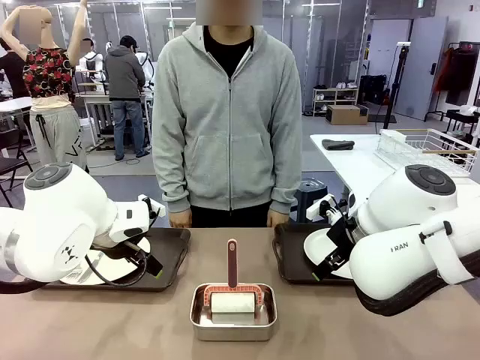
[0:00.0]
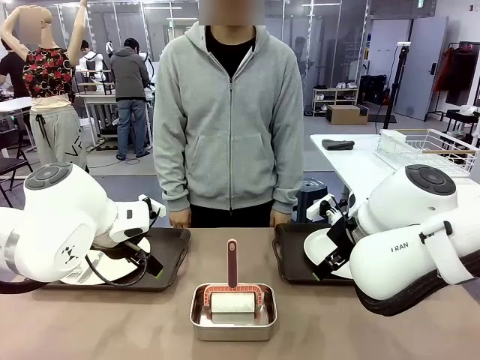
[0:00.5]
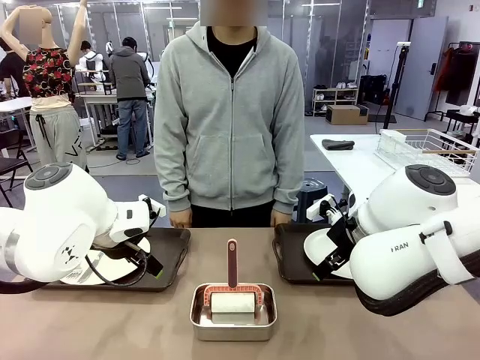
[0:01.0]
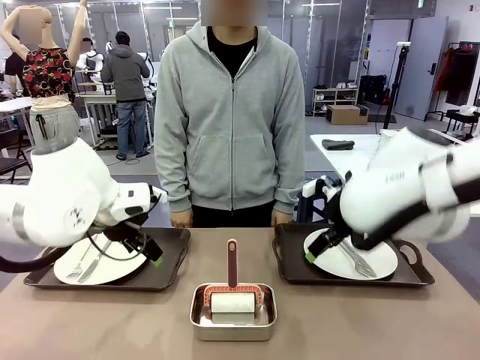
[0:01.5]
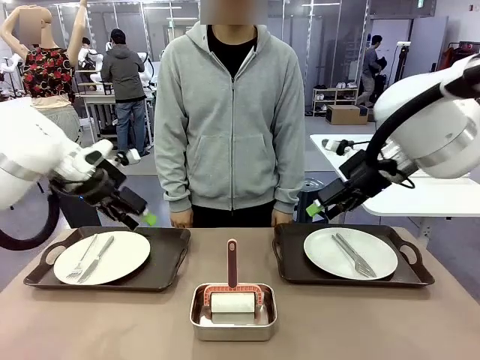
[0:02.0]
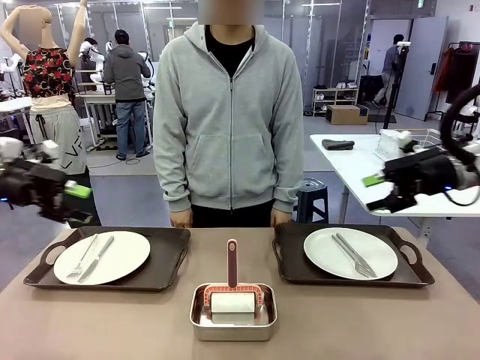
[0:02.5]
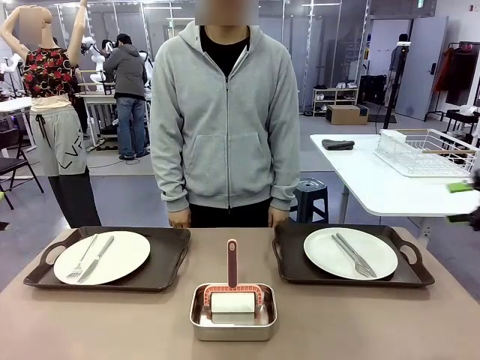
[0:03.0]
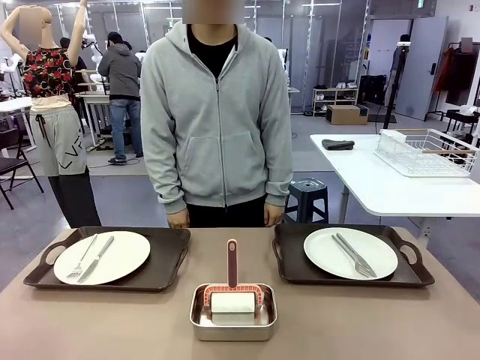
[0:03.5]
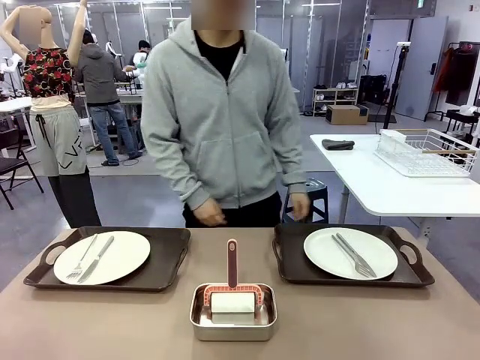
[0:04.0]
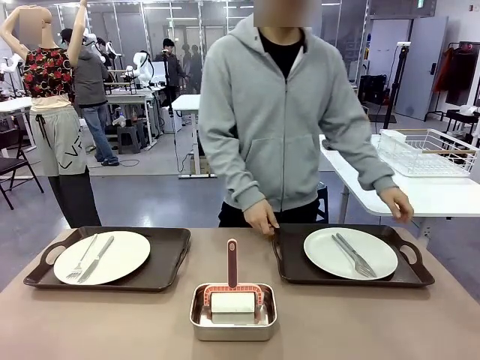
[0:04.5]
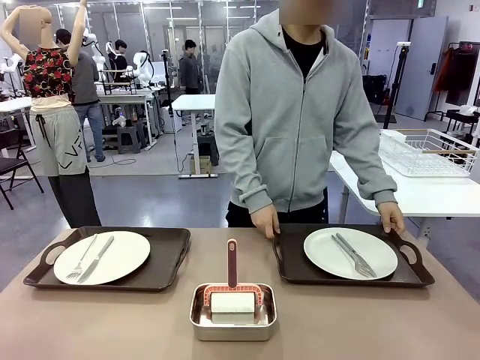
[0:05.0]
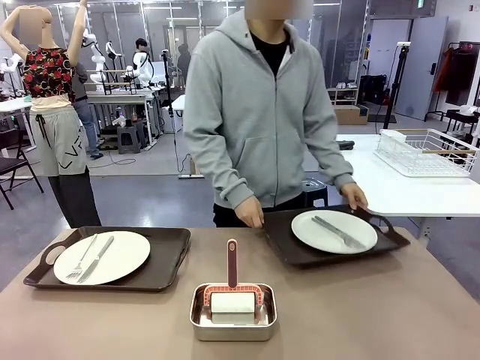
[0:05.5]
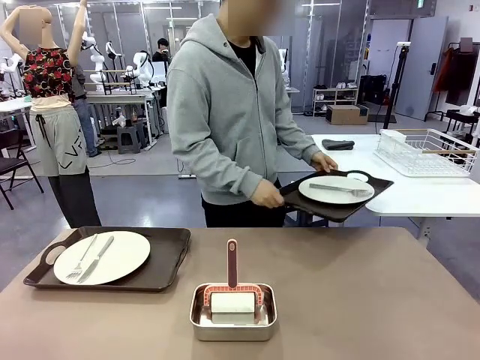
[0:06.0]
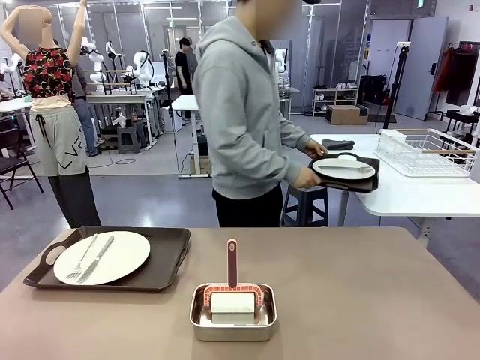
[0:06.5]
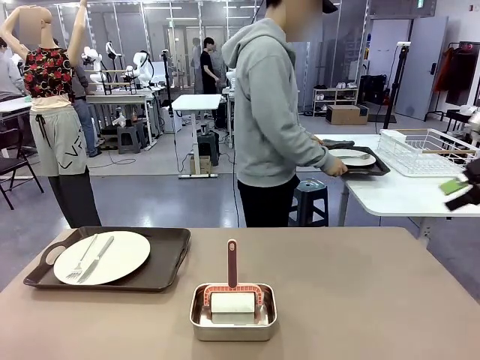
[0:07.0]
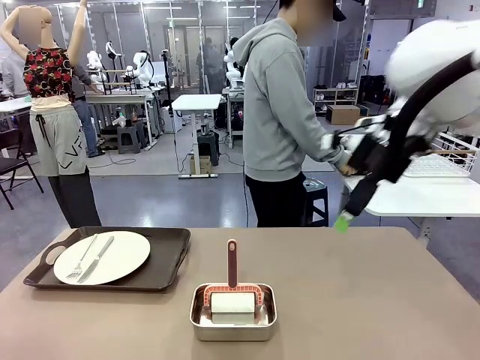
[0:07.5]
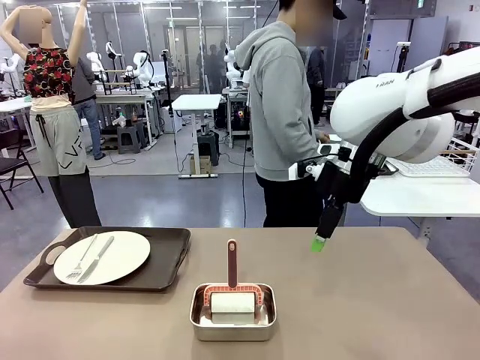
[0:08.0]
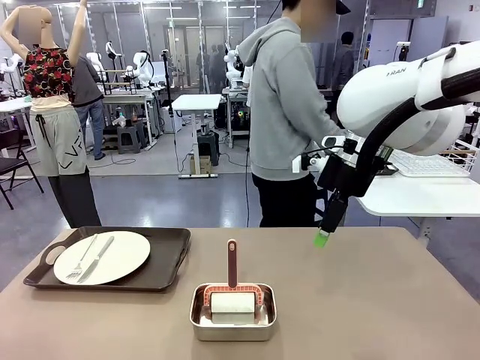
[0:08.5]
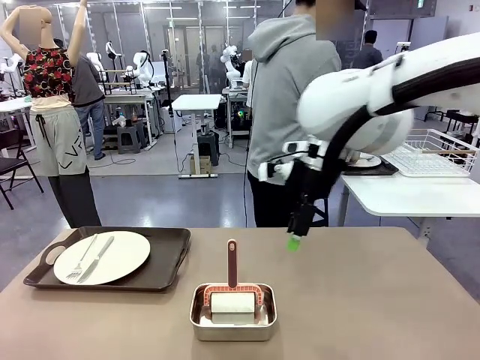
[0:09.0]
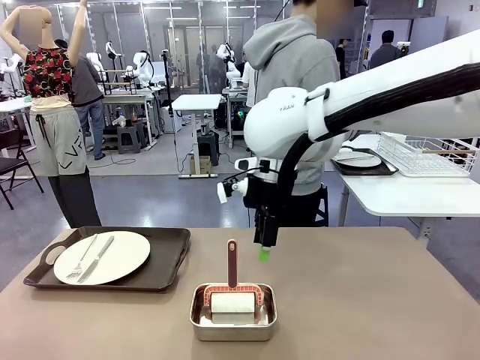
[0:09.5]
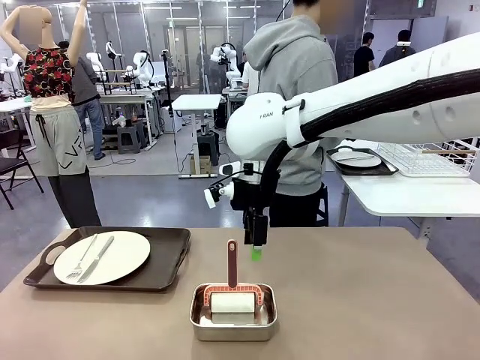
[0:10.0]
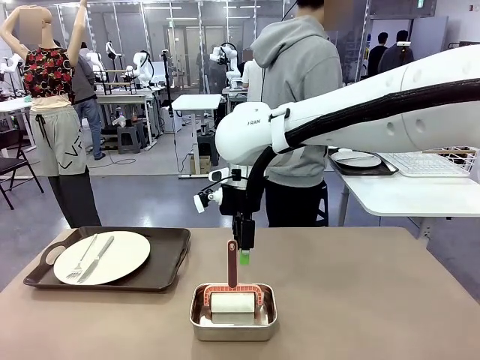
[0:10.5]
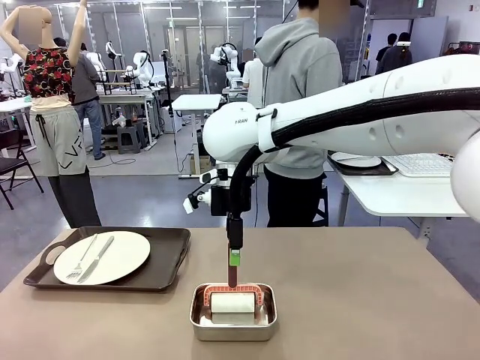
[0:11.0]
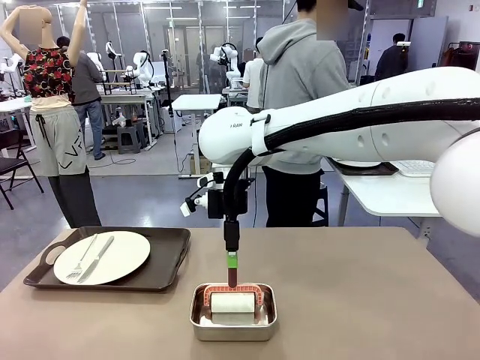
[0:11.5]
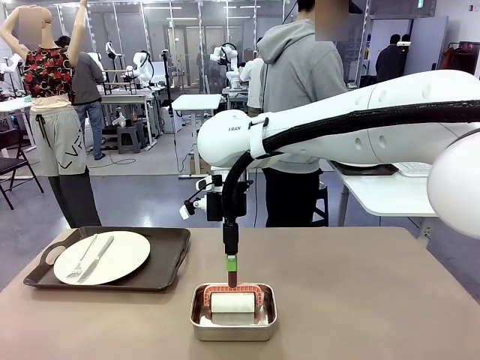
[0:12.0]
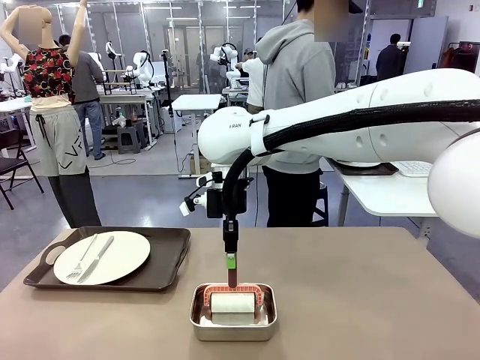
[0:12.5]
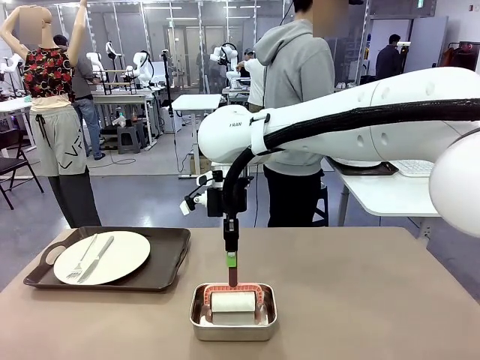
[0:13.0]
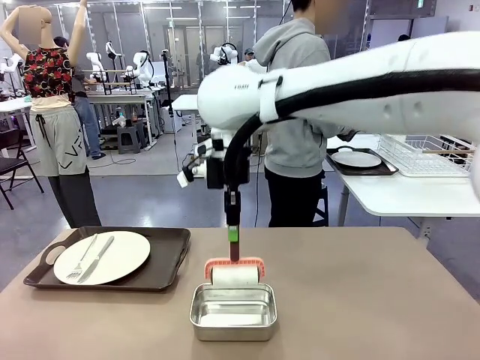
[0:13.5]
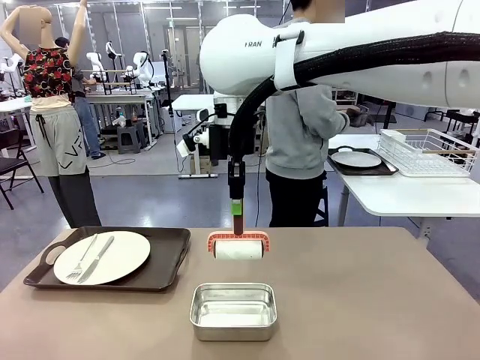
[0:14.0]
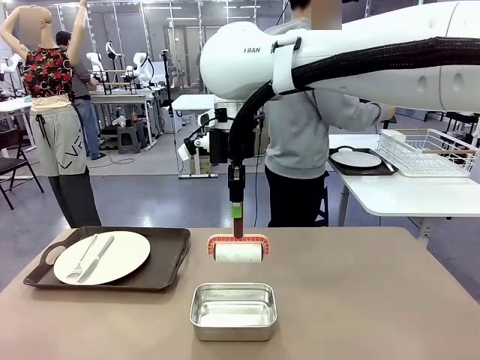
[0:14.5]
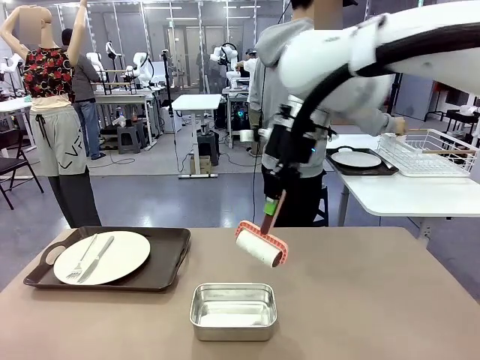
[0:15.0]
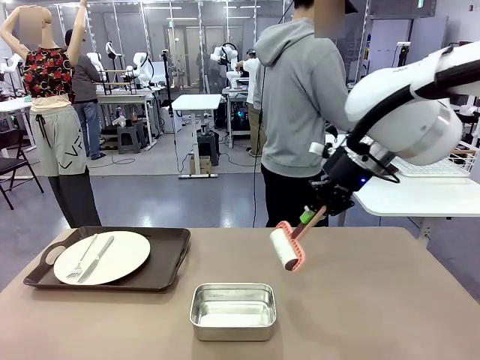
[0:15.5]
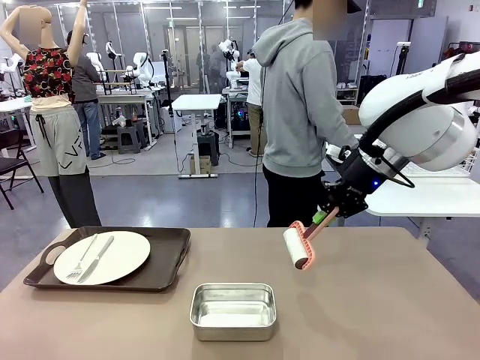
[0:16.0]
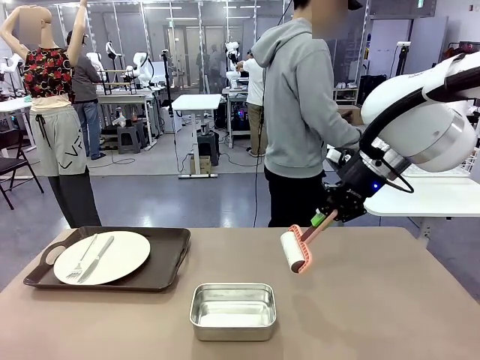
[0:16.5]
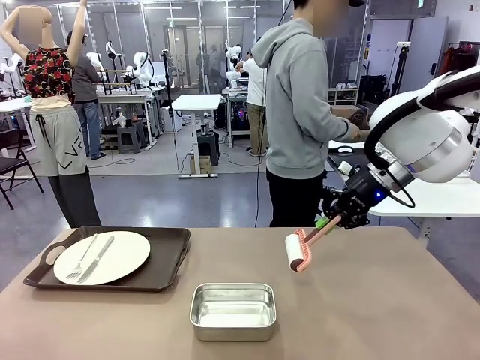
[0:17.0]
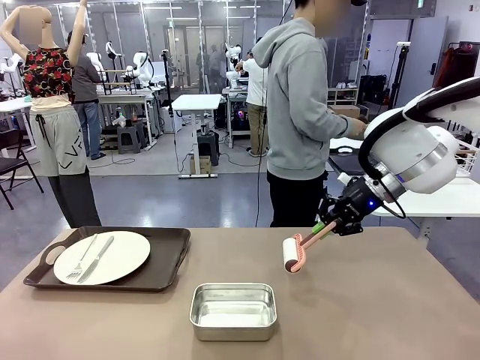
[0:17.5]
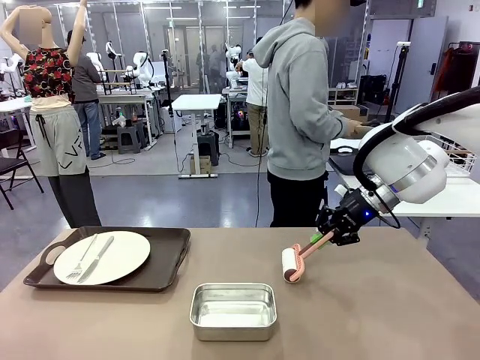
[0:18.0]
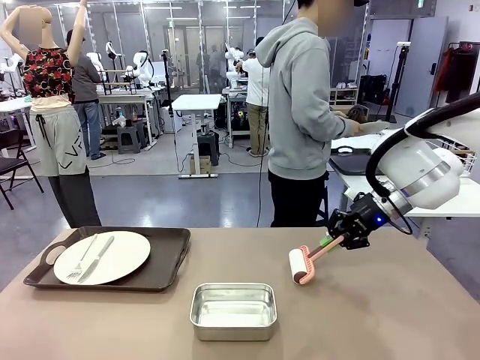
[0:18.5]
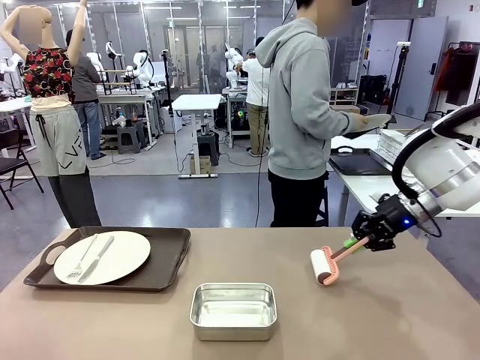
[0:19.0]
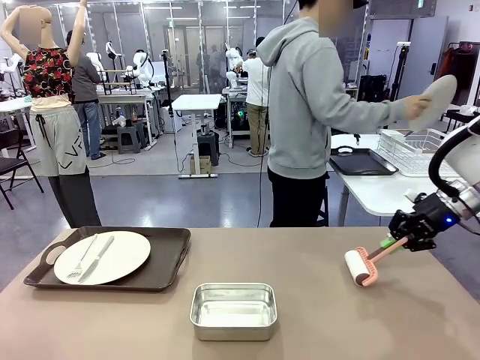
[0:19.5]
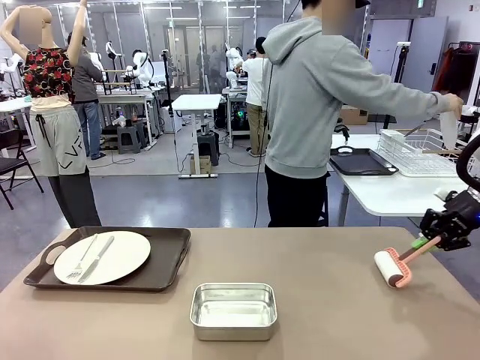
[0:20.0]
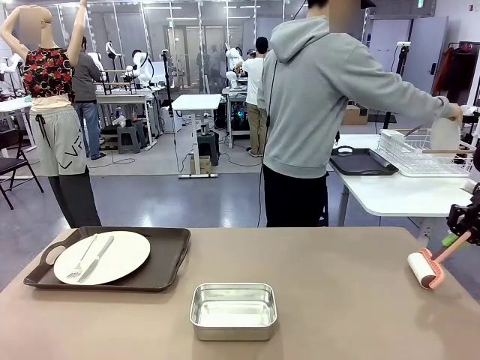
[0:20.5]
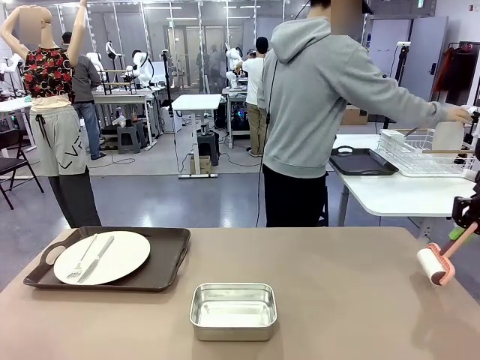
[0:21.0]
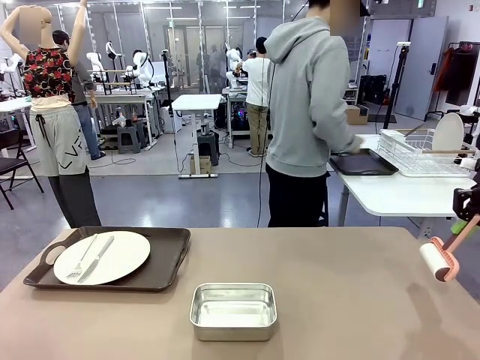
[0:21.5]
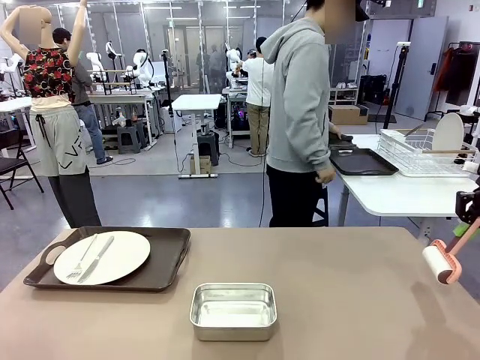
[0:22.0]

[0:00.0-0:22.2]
Robot: When the left (or right) Handle tray is removed, use the left hand (or right hand) to clean the left (or right) side of the table with the Lint Roller.
Person: Pick up the left (or right) Handle tray and place it on the middle of the Human's table. Use the Towel with hook to wipe the Plastic Matte Plate , Fork , and Knife and place into the Dish drying rack.

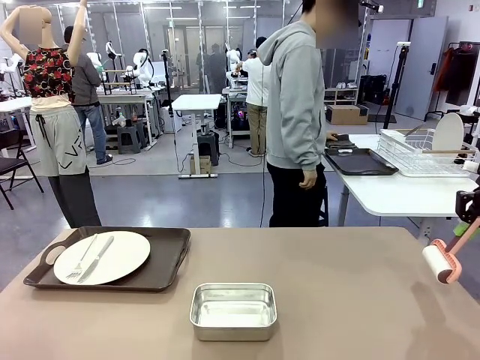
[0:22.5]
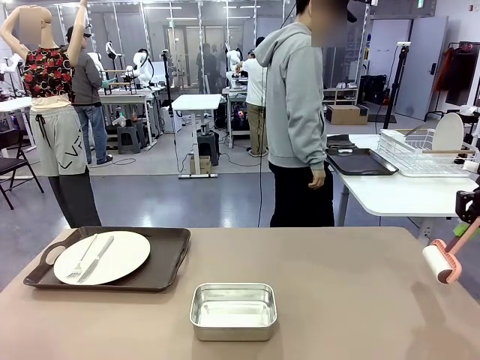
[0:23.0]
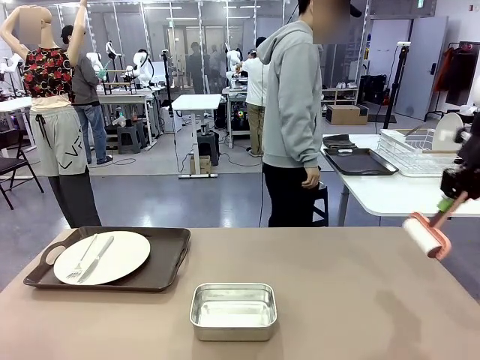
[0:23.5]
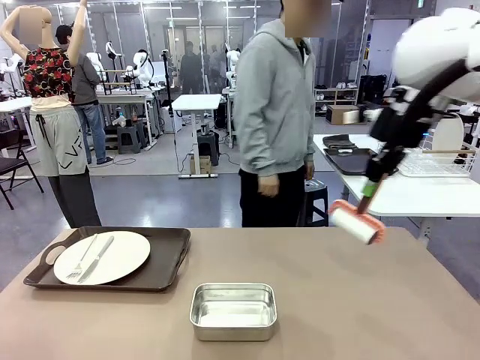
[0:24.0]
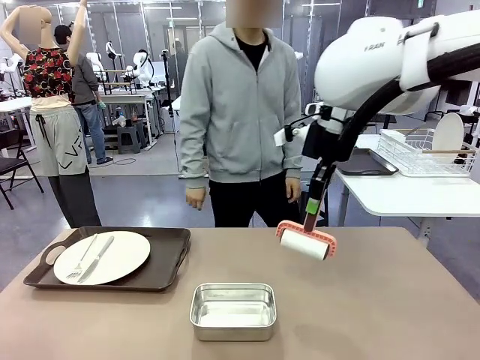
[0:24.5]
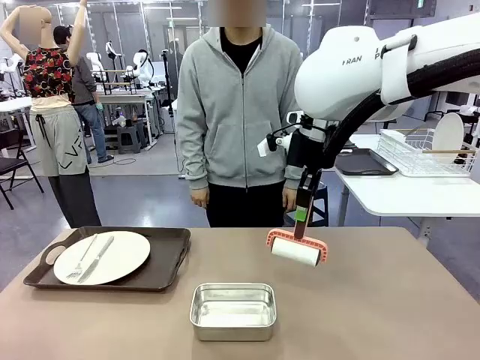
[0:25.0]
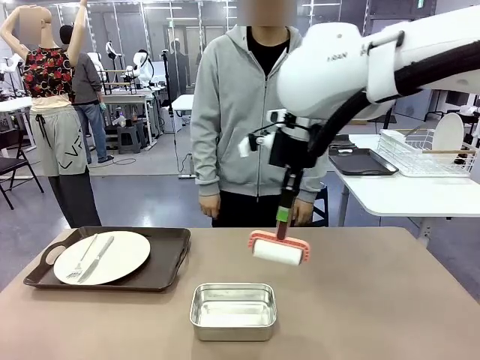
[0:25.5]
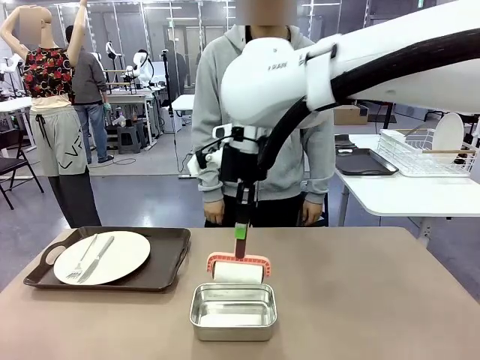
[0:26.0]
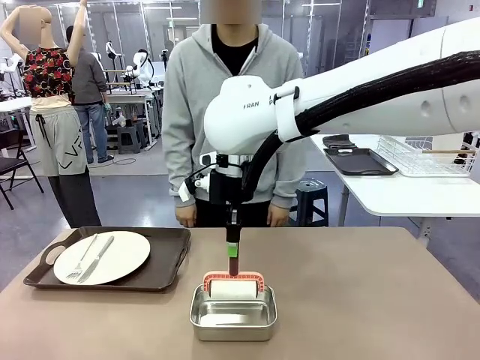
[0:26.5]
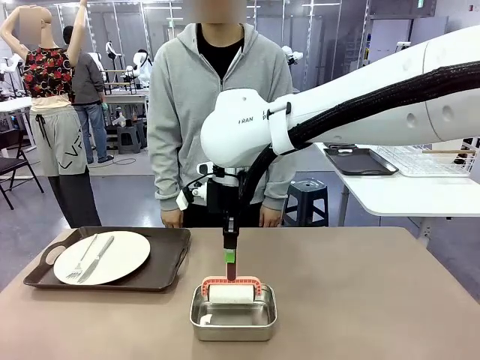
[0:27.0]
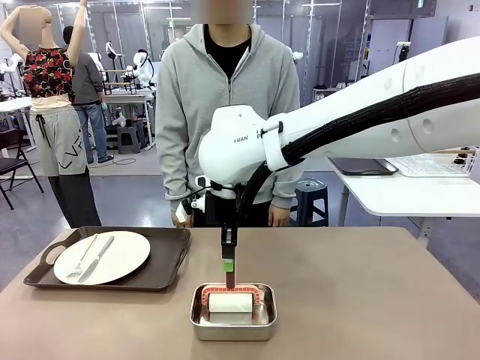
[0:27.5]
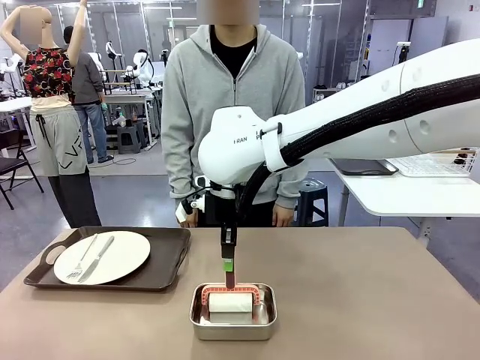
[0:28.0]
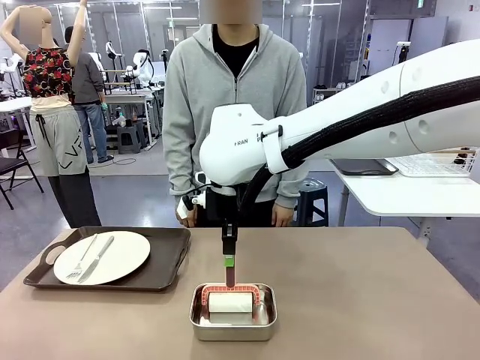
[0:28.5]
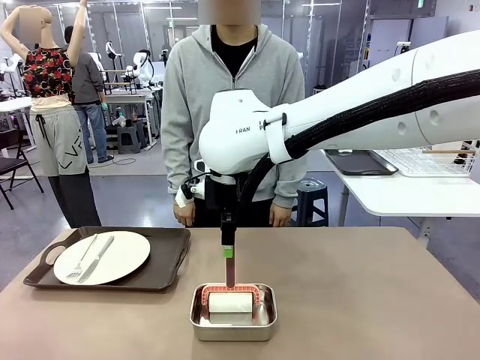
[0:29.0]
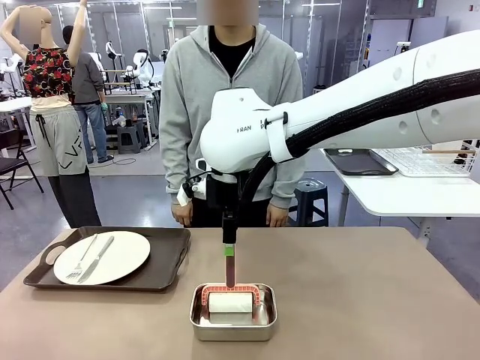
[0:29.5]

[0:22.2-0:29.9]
Robot: Place the Lint Roller back on top of the Airtight Container.
